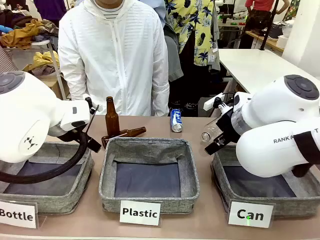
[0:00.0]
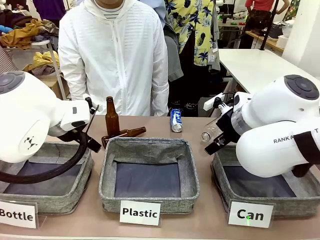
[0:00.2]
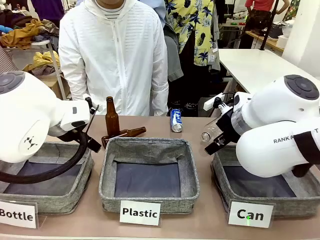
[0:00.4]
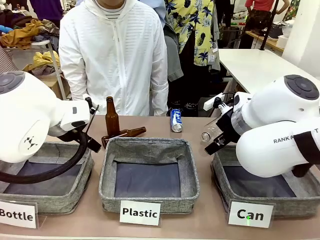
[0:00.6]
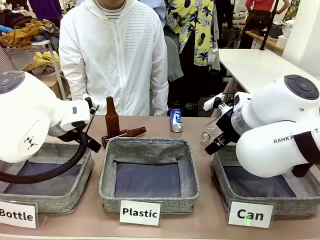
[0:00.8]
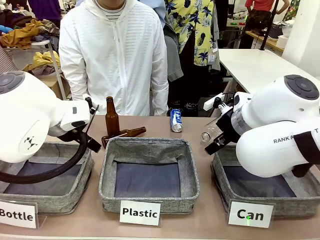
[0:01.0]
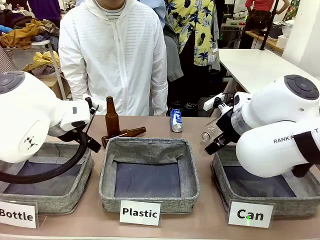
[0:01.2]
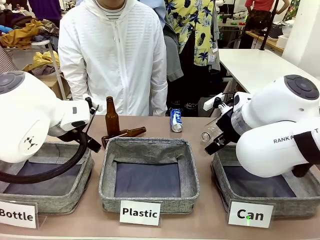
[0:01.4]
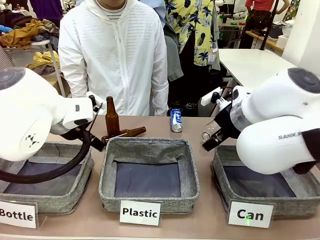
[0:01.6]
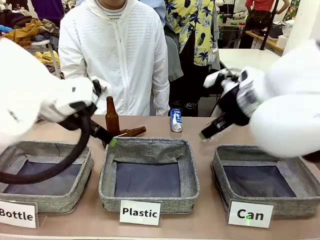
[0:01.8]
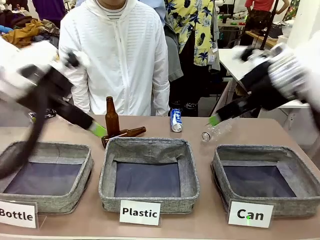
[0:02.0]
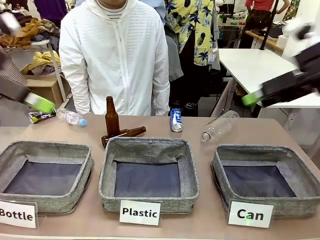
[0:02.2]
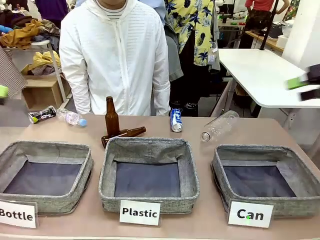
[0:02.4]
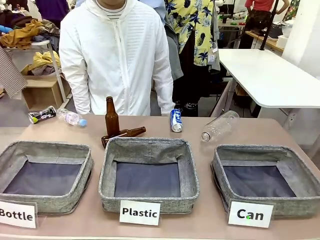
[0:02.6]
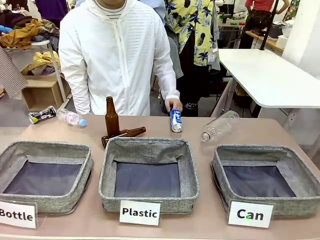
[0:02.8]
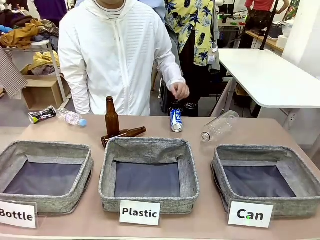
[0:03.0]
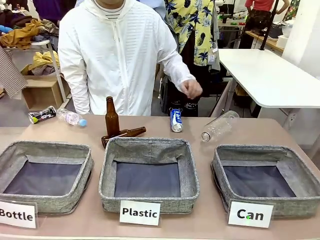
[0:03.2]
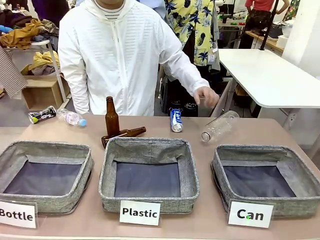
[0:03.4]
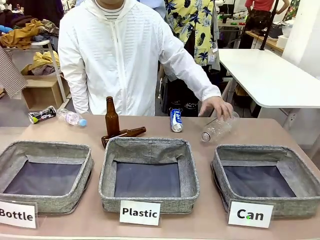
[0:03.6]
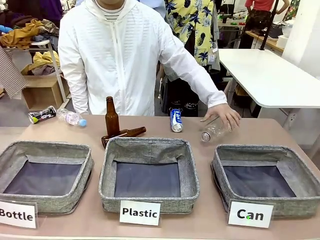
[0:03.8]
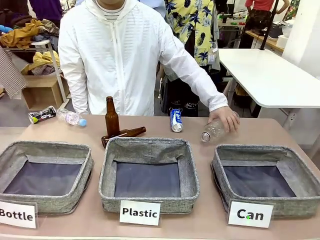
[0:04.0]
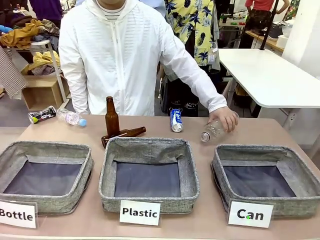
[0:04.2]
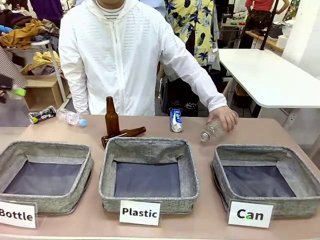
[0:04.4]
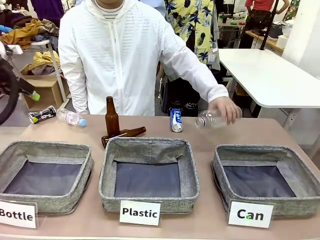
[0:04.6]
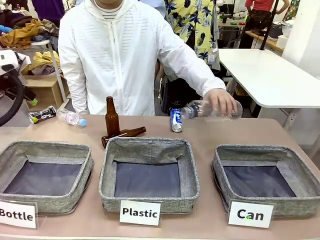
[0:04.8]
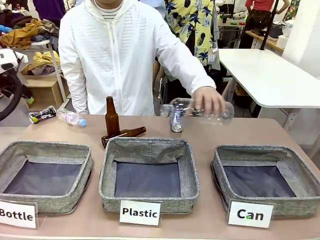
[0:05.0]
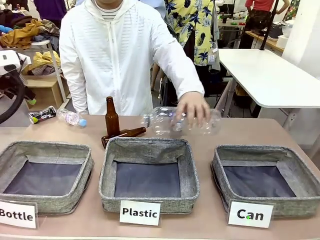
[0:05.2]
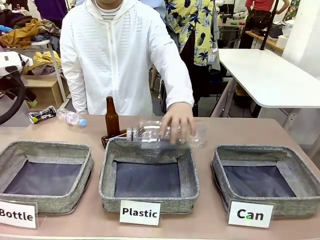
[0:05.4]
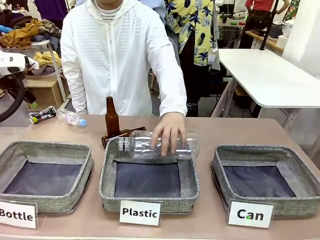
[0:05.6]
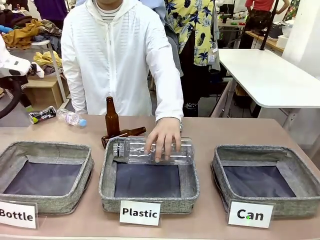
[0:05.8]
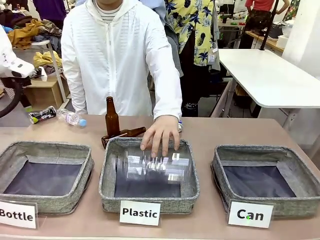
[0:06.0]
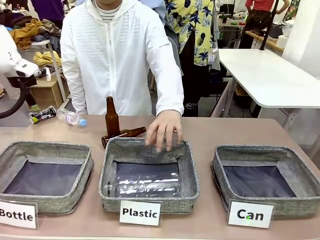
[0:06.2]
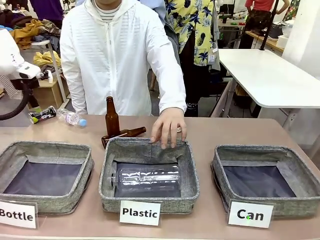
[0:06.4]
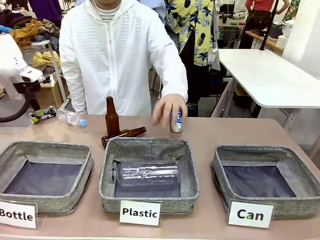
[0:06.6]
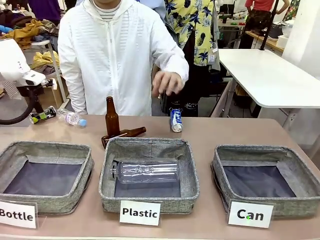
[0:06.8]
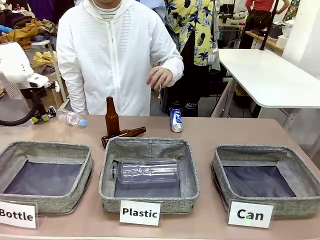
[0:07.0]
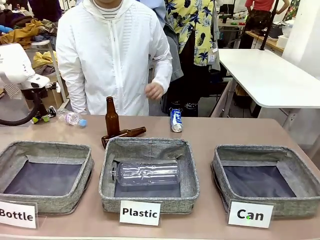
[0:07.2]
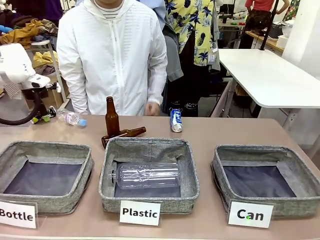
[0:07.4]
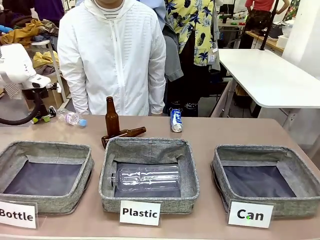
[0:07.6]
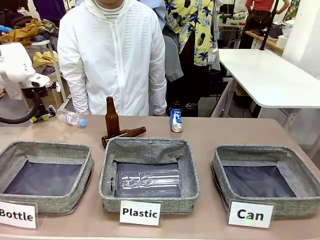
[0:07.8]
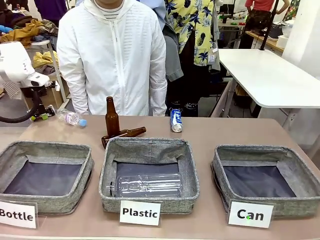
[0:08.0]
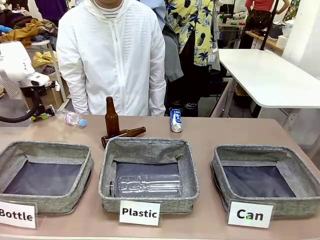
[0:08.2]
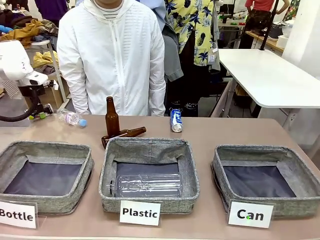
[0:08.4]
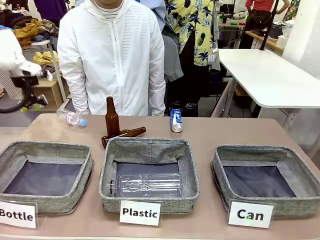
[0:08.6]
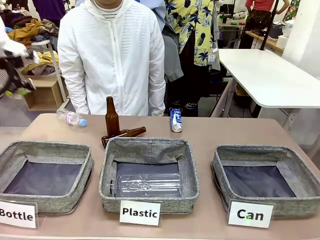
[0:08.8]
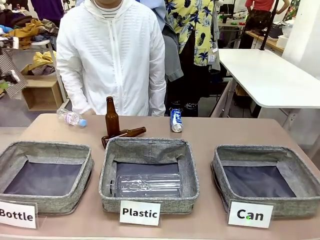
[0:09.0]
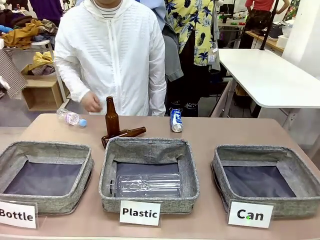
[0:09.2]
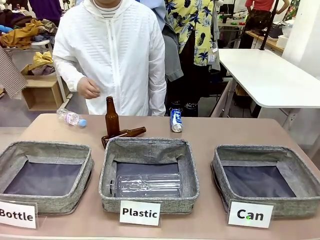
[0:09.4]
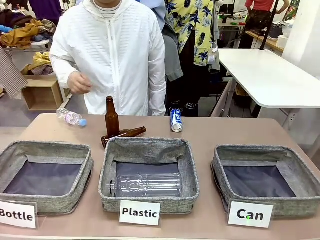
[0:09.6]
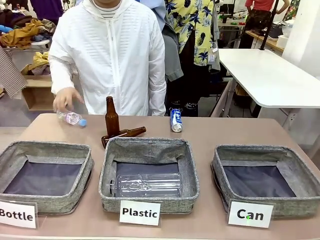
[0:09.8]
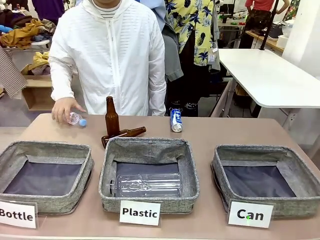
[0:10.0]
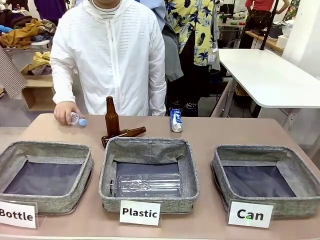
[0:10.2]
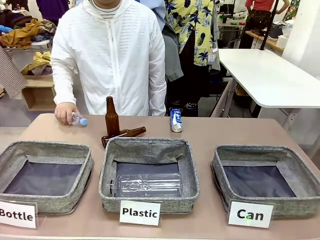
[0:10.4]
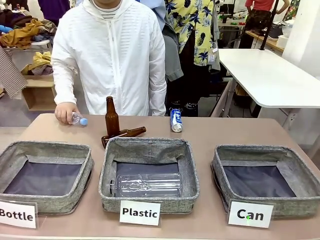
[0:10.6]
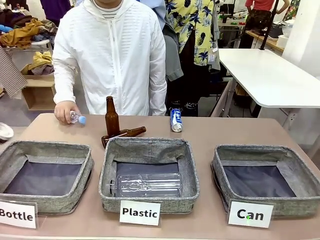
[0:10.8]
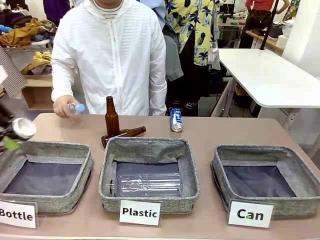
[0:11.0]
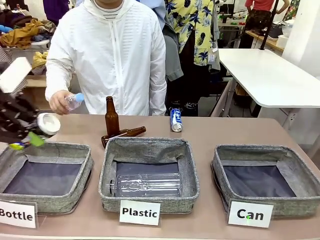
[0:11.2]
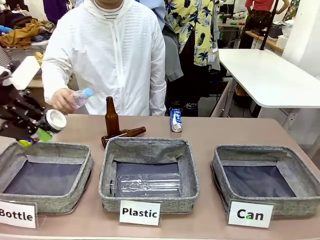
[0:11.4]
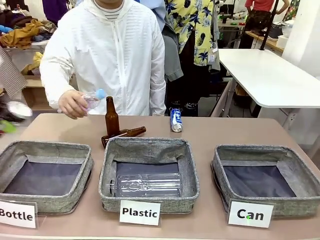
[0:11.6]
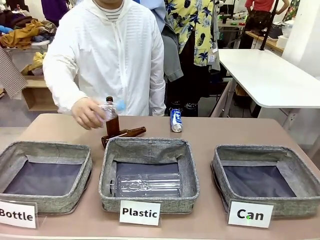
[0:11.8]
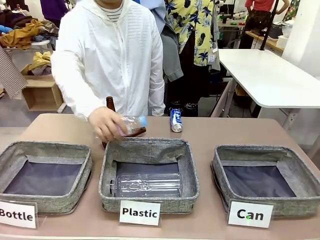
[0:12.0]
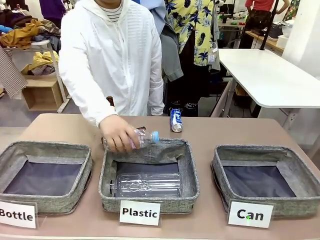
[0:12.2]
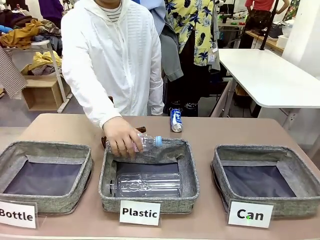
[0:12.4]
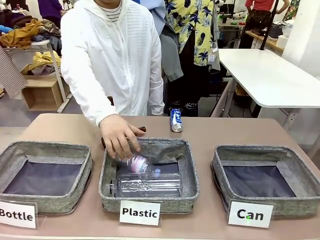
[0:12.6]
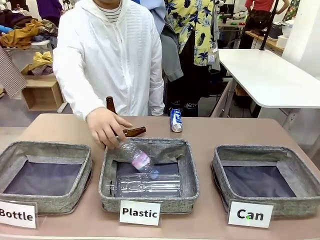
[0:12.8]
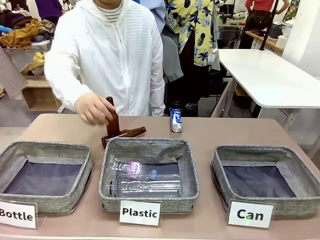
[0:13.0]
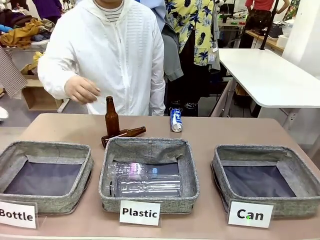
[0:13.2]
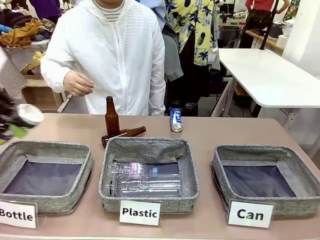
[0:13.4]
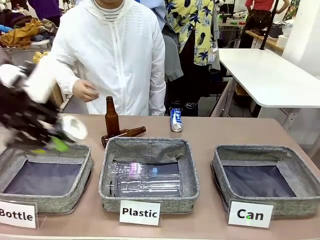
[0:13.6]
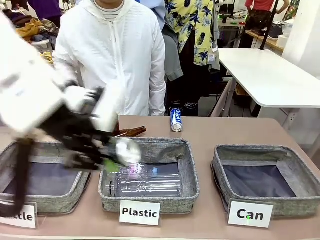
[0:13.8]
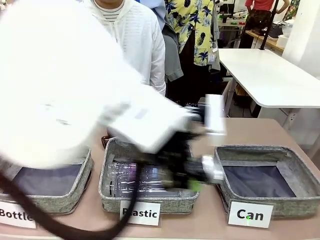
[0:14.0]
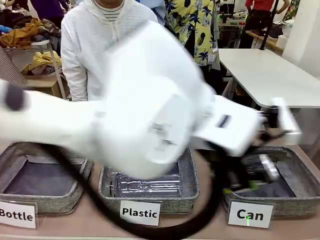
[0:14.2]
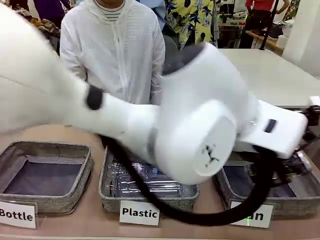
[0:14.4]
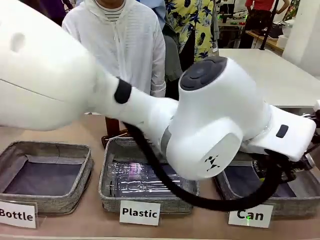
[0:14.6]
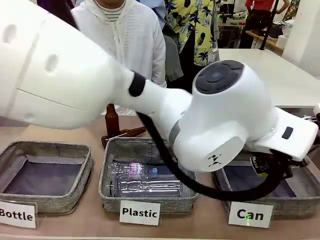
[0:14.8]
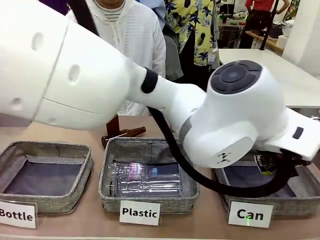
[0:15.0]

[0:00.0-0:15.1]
Task: Sort the can waste into the basket.
Robot: Pick up the can waste from the table and place it in the right Fabric basket.

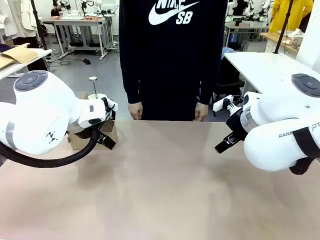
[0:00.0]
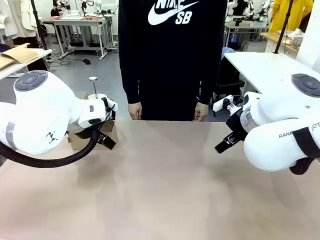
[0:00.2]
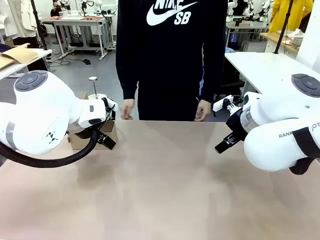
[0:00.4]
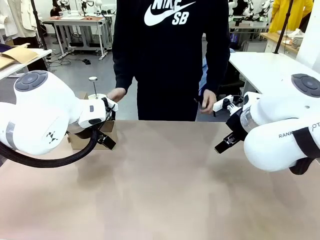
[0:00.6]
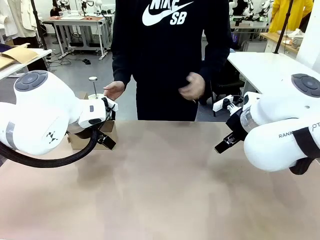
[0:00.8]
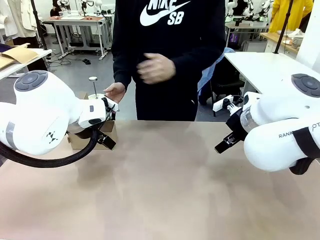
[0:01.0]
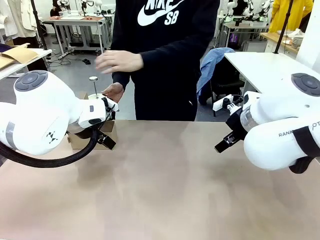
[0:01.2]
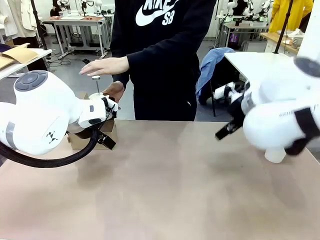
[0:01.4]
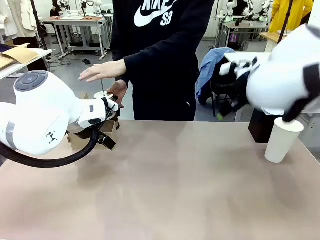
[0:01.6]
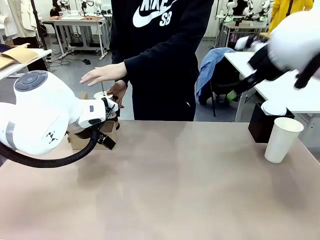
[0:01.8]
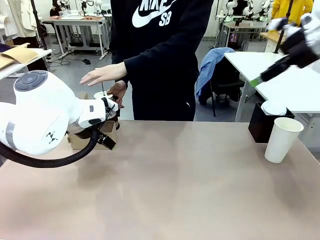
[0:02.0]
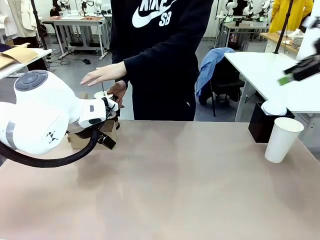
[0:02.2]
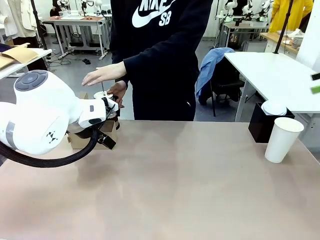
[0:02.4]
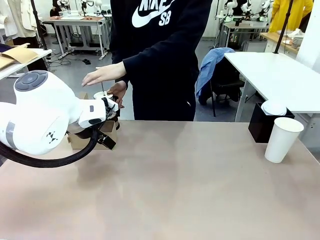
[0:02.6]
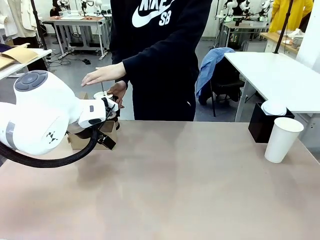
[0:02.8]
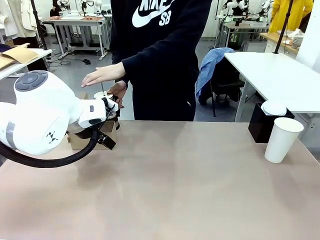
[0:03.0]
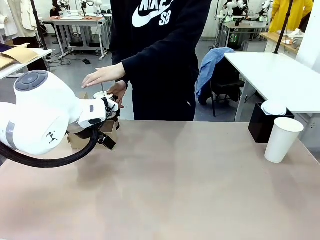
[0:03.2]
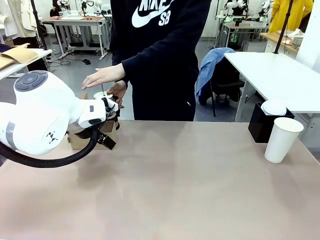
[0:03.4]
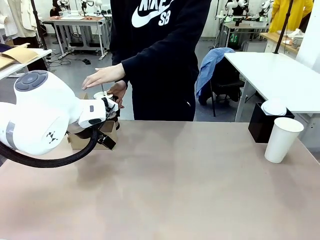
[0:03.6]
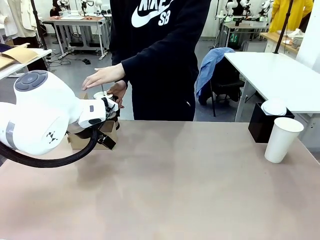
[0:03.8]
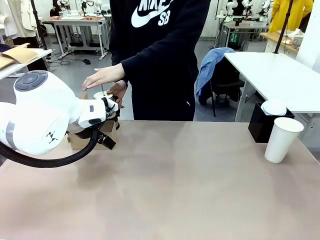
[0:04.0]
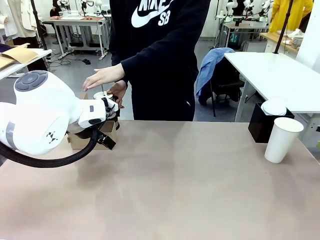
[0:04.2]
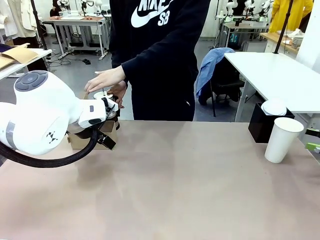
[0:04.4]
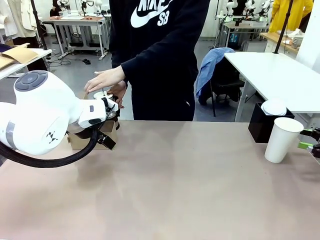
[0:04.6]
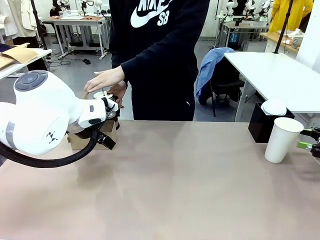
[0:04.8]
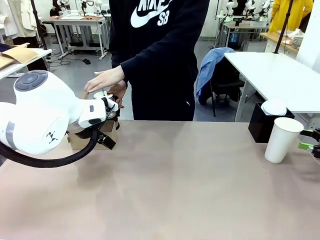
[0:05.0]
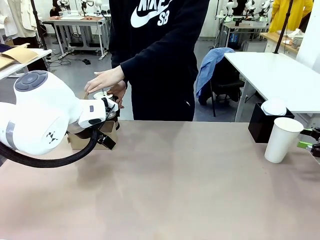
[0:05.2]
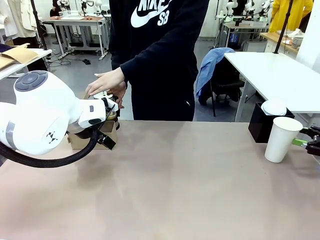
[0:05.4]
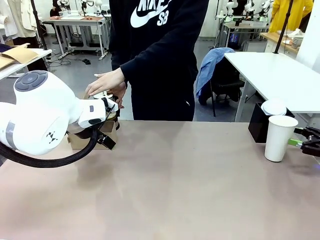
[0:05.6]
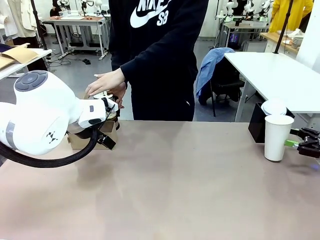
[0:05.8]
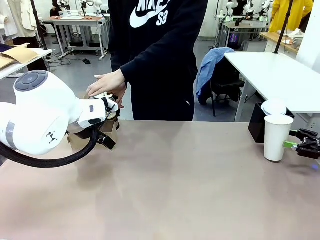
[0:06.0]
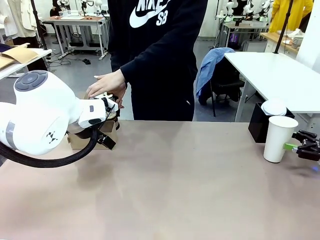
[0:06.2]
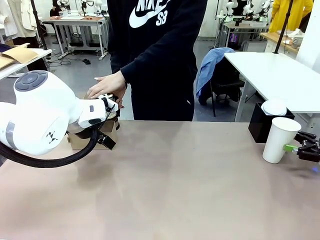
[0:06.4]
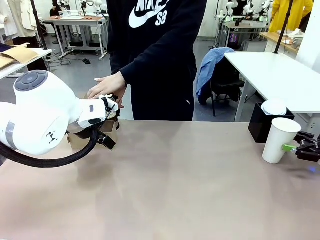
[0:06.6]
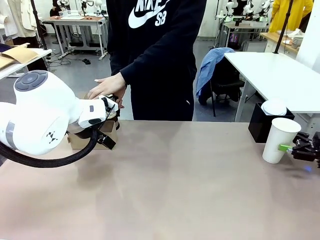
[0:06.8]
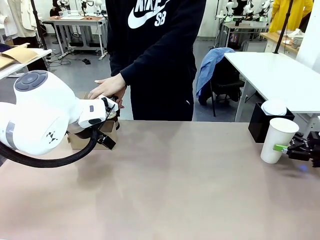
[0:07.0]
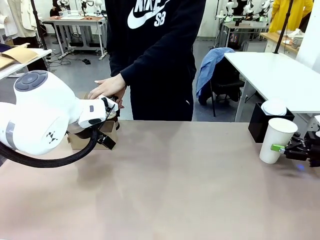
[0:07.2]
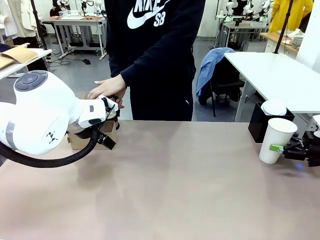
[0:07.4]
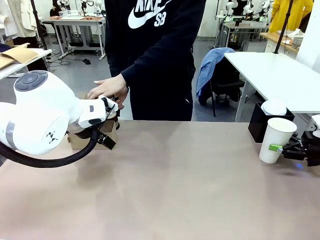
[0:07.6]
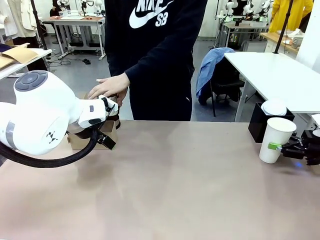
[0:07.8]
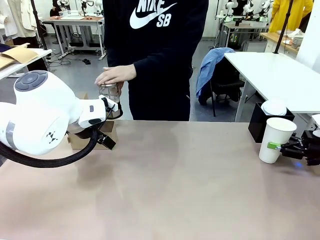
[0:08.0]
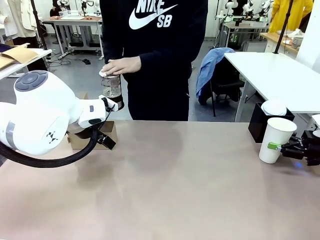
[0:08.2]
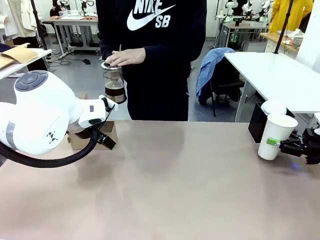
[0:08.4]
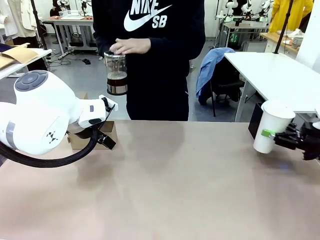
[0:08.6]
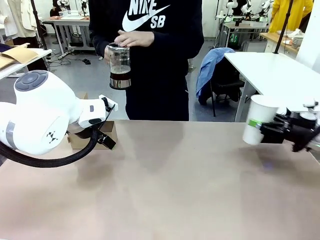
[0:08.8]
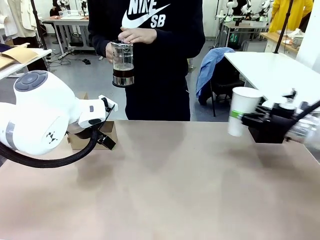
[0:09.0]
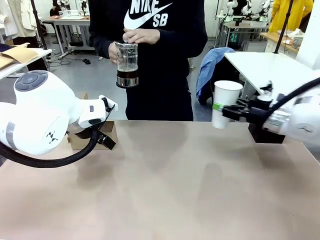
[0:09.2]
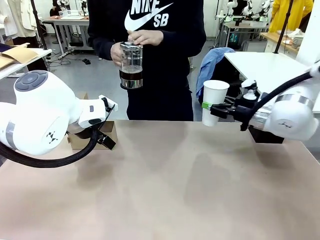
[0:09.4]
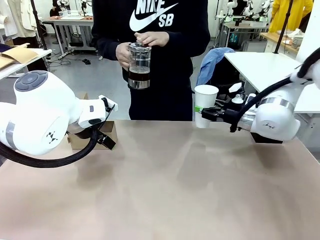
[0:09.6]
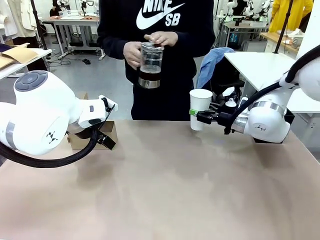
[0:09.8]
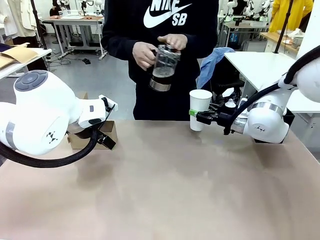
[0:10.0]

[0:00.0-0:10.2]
Task: Pour a drink into a cup and package it in a carrier.
Robot: Pick up the 600 ml Paper Cup and place it in the middle top area of the table.
Person: Press and pick up the Filter Brewing.
